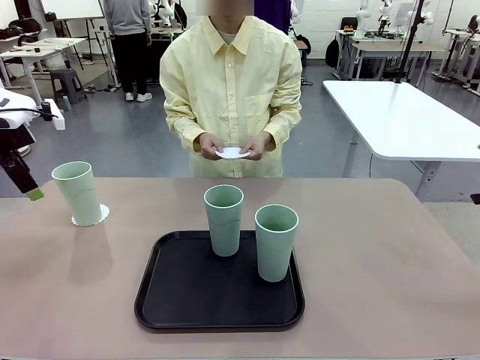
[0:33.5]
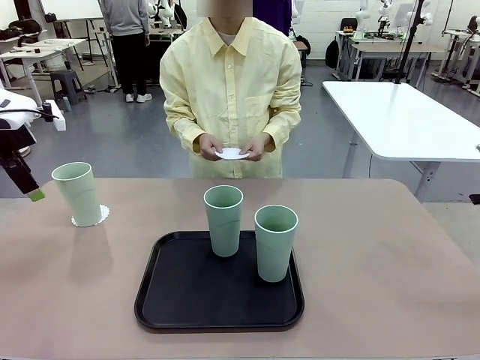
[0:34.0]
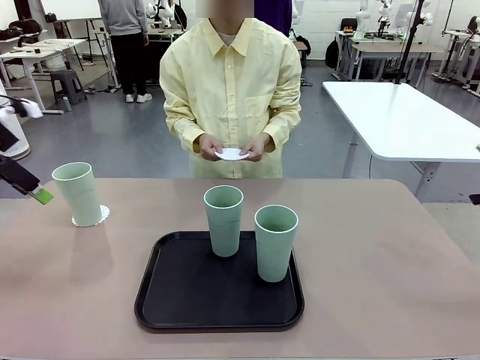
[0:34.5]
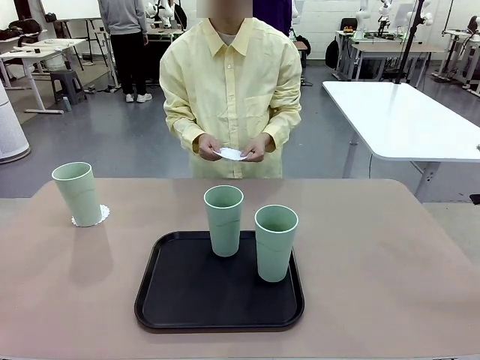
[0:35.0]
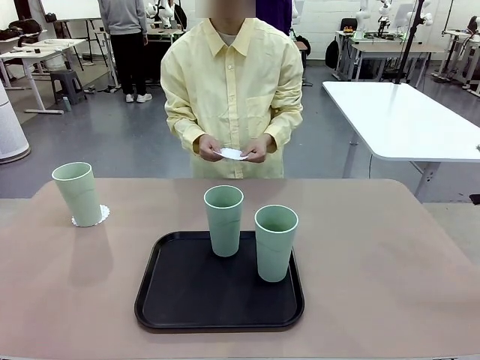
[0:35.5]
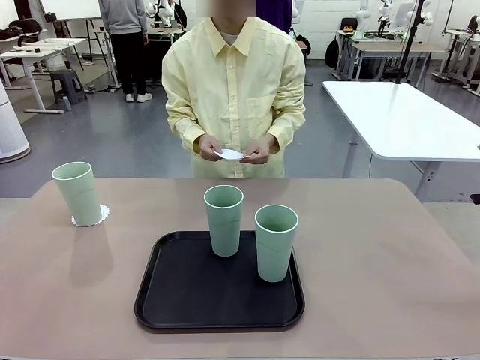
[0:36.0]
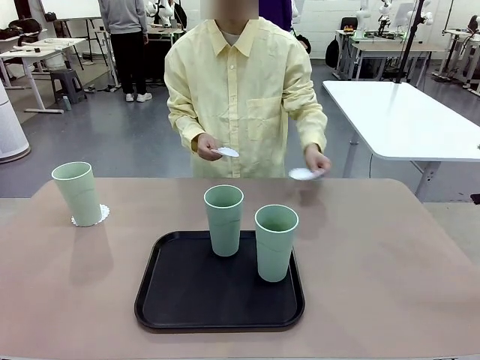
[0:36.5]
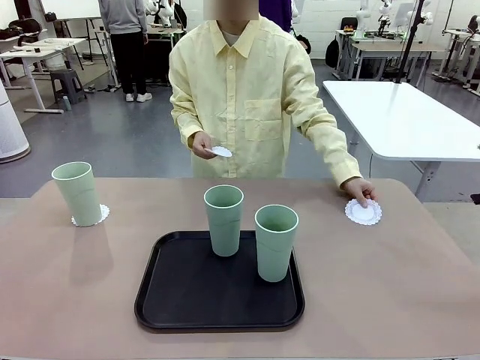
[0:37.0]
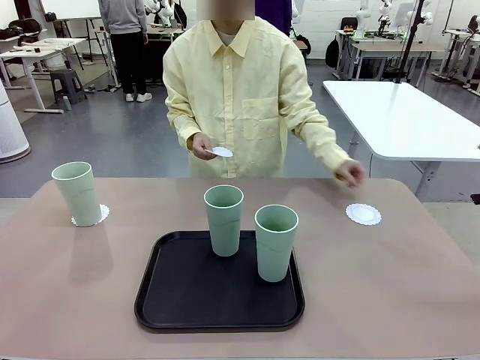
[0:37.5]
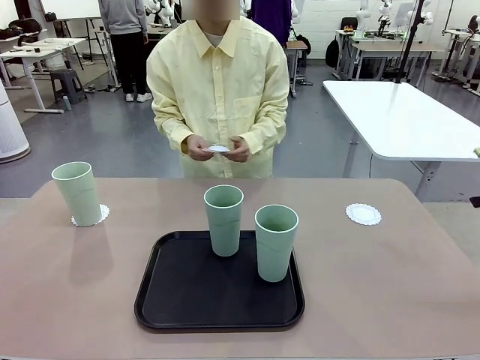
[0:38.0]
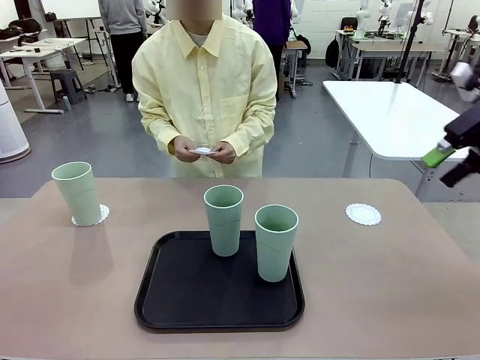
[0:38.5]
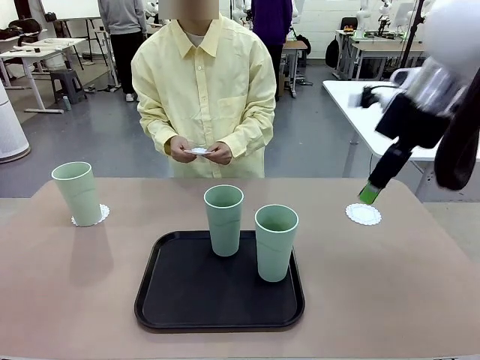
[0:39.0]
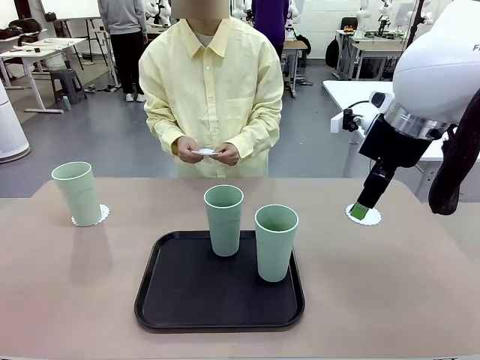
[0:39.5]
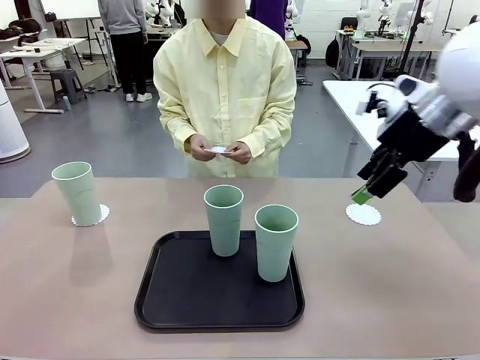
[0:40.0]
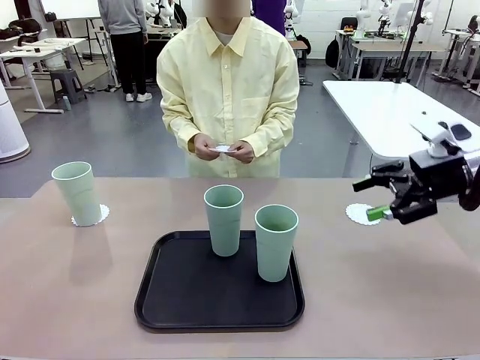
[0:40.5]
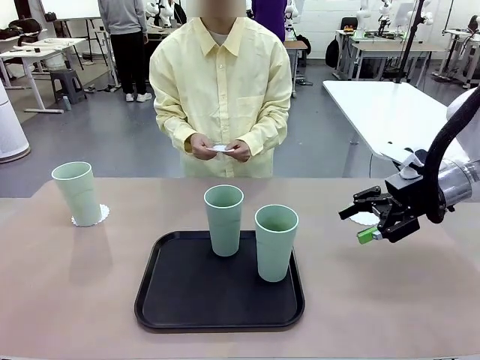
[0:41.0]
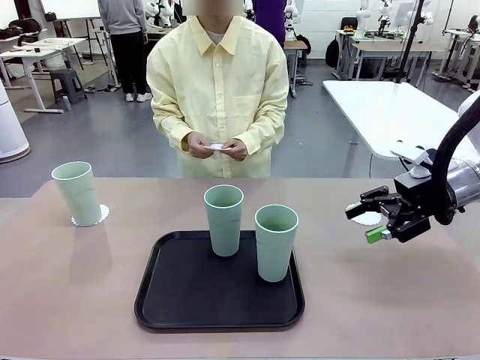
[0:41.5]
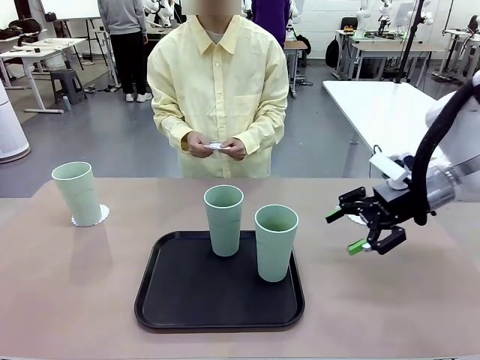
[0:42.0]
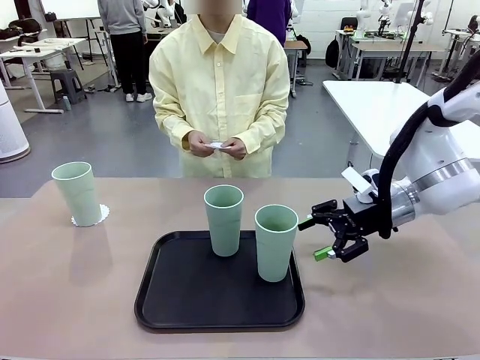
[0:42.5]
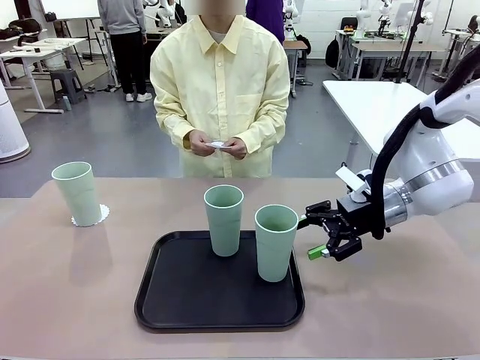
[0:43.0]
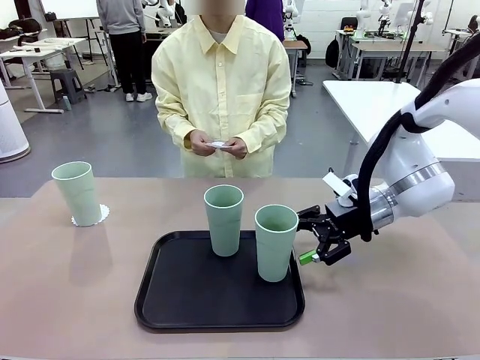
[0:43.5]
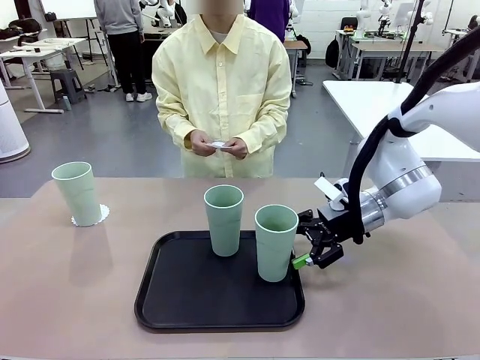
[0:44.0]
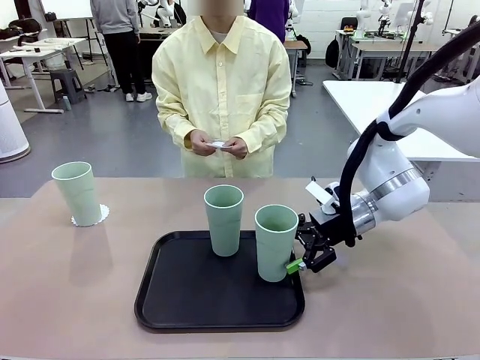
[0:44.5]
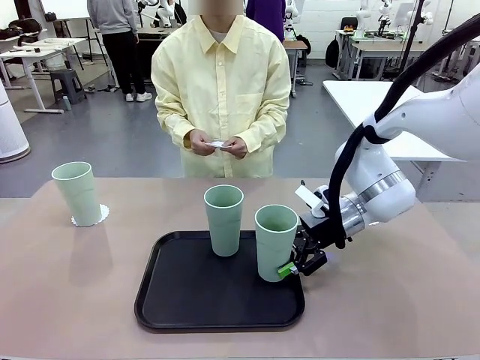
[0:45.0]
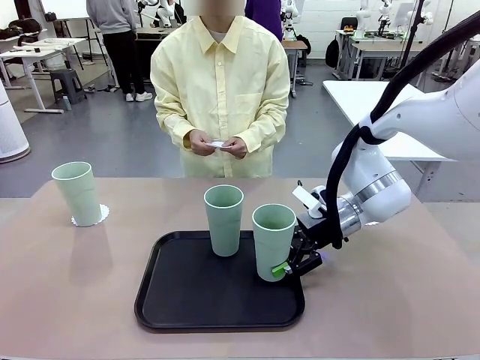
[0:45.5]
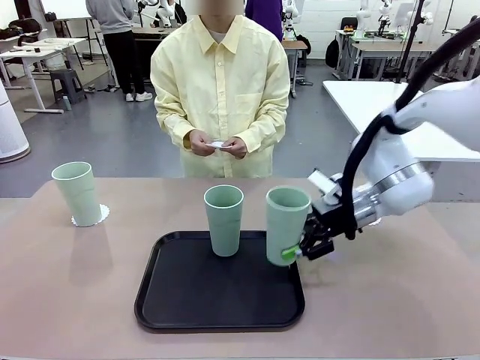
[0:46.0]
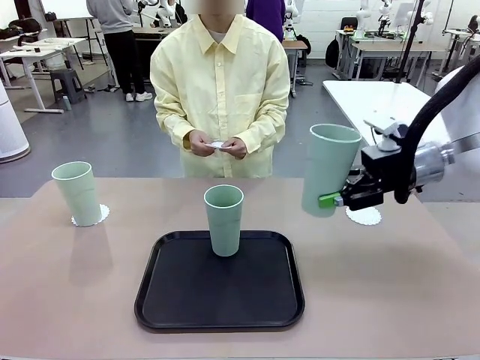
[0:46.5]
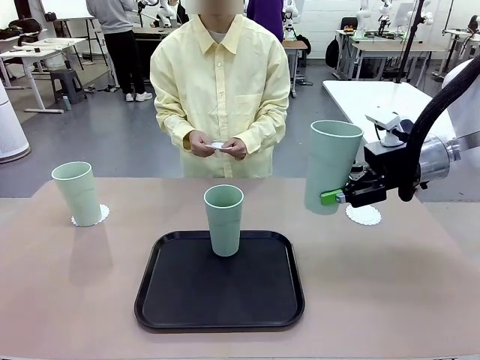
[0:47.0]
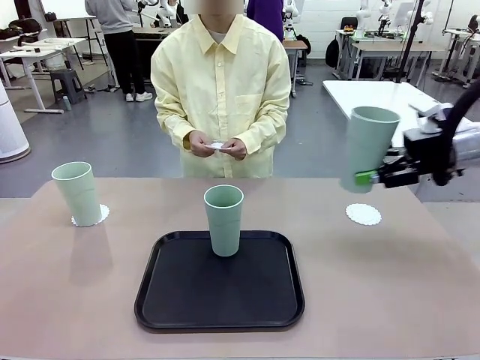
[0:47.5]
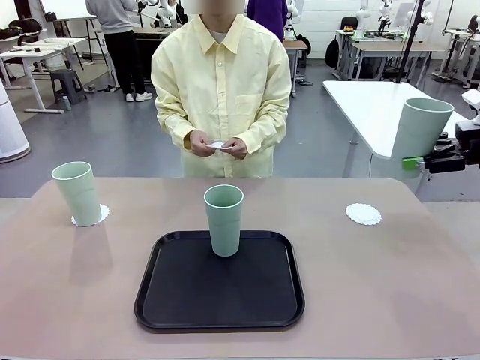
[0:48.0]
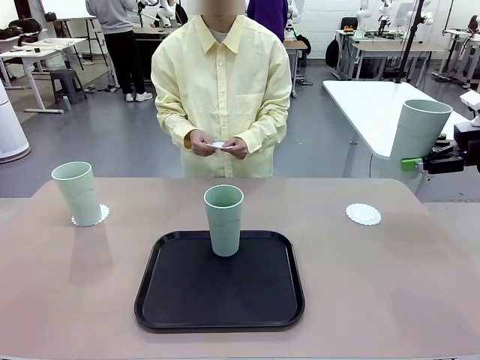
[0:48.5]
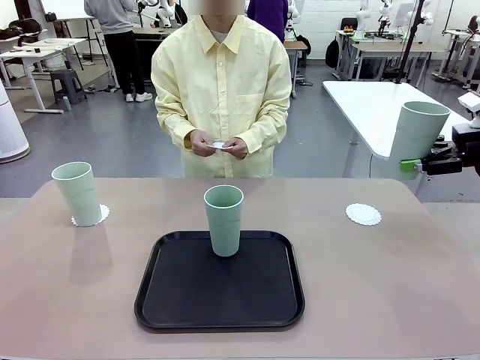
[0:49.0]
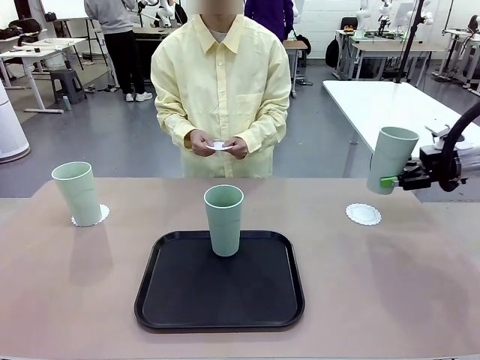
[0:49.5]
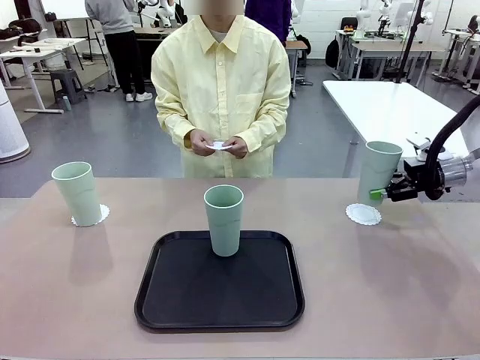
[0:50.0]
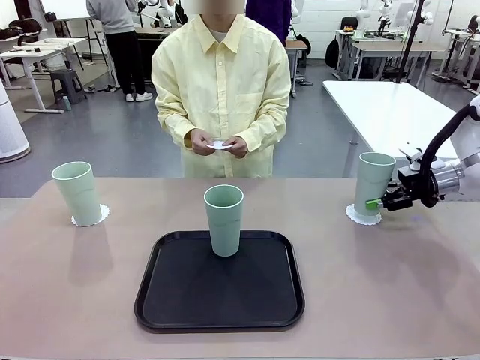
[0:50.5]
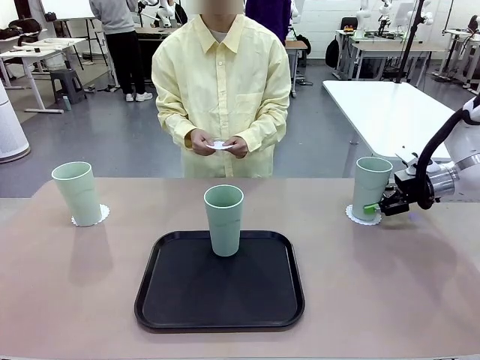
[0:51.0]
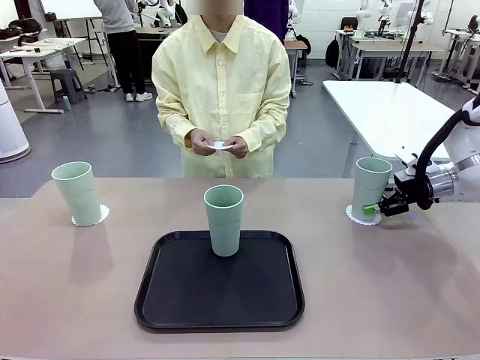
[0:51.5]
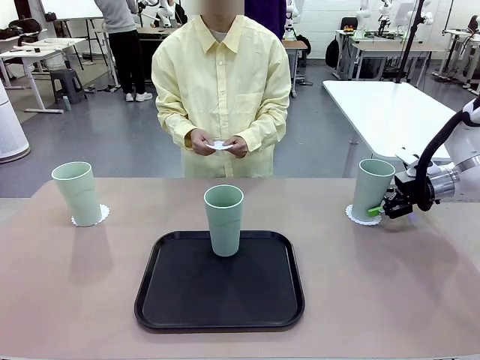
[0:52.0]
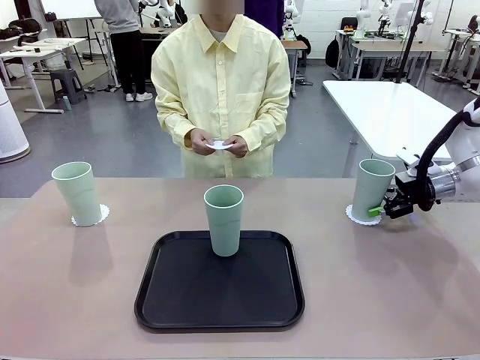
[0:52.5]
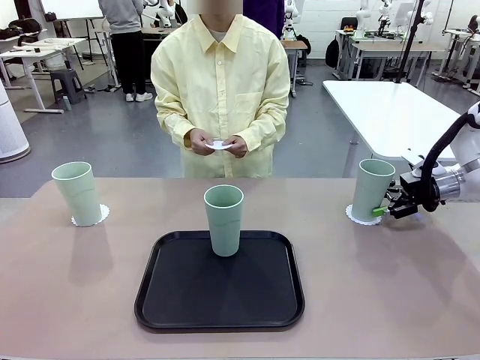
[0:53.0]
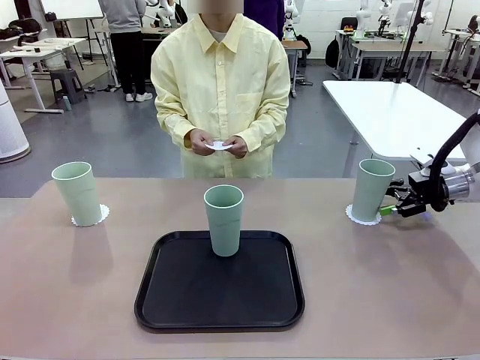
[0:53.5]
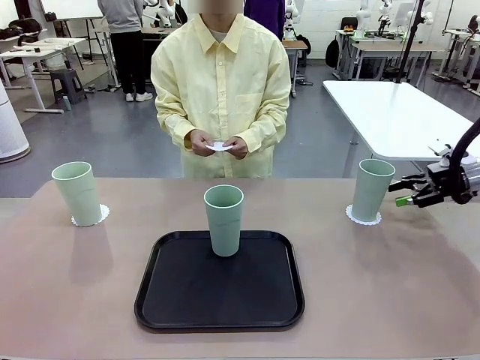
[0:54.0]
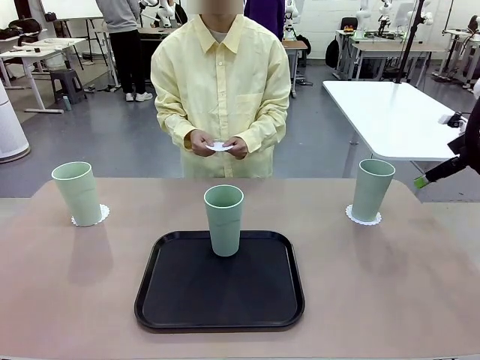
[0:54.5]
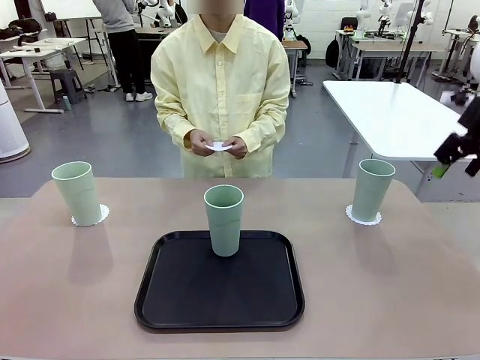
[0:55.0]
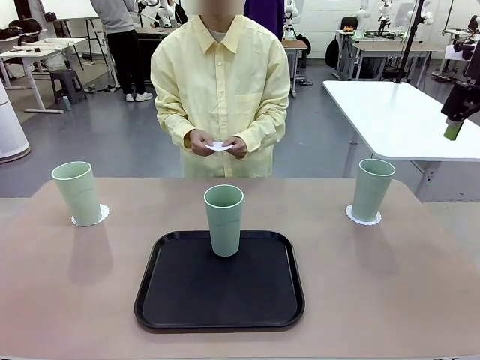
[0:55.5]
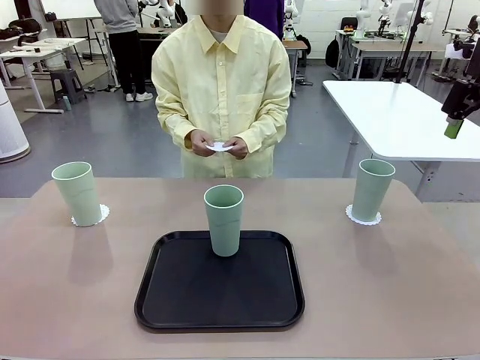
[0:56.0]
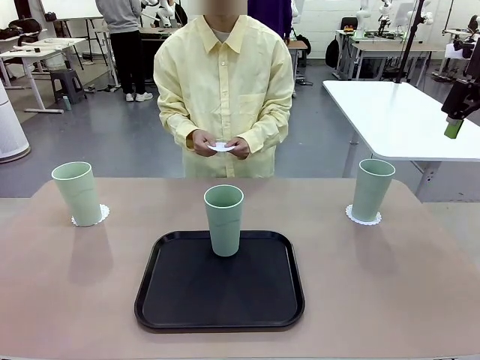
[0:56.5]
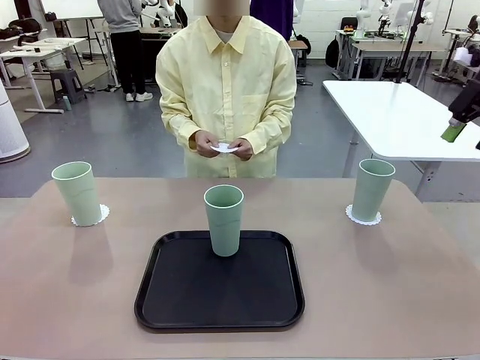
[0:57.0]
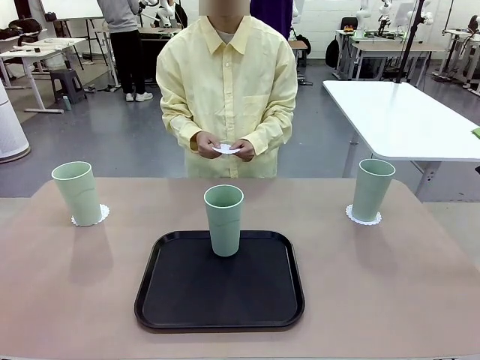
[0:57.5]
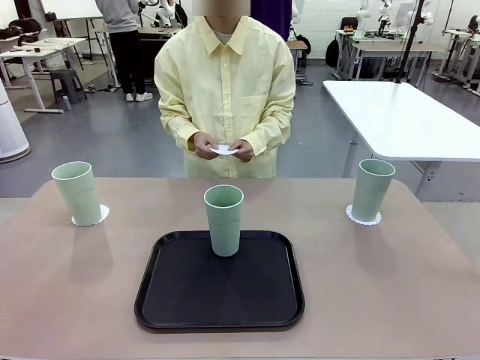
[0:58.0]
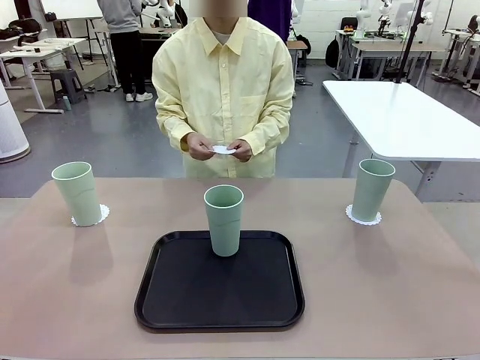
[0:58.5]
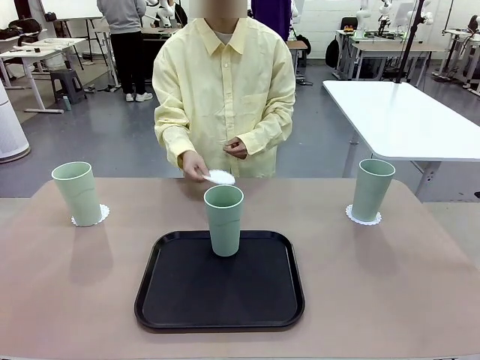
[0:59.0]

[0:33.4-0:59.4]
Task: Place coasters on the table and set cups on them.
Robot: Take one Reusable plastic cup from the Flat Tray and place it on a coaster set by the human.

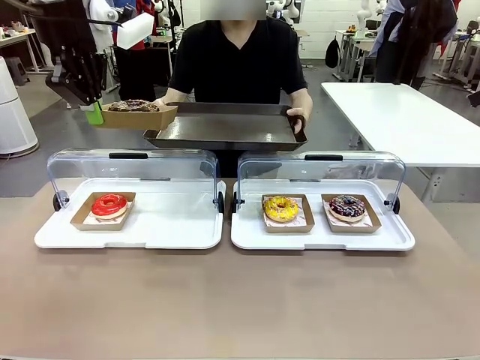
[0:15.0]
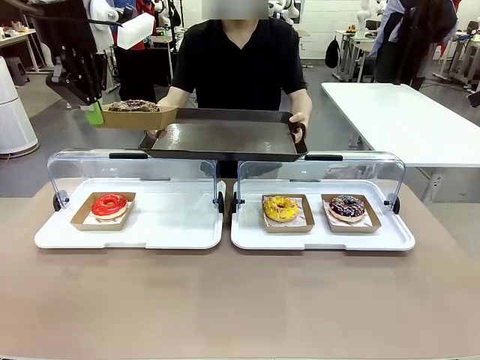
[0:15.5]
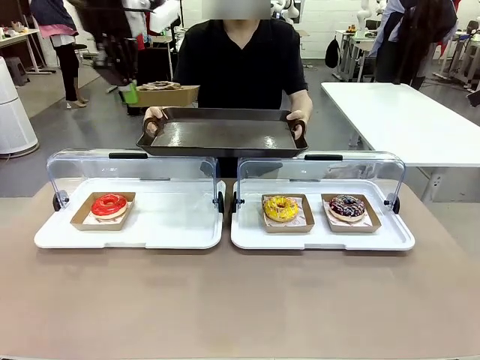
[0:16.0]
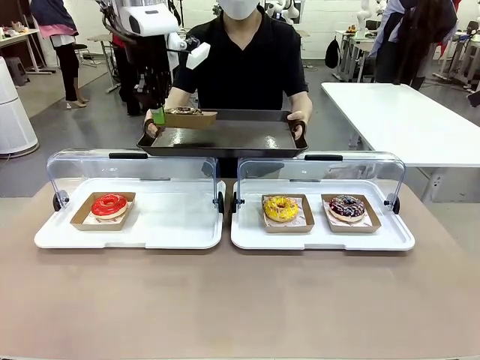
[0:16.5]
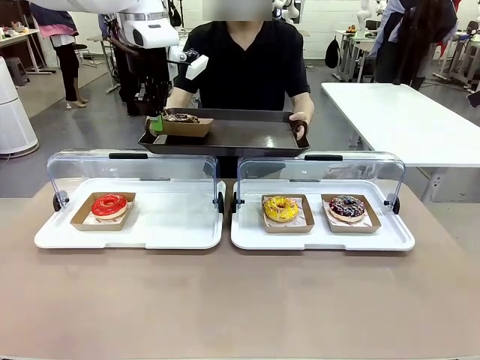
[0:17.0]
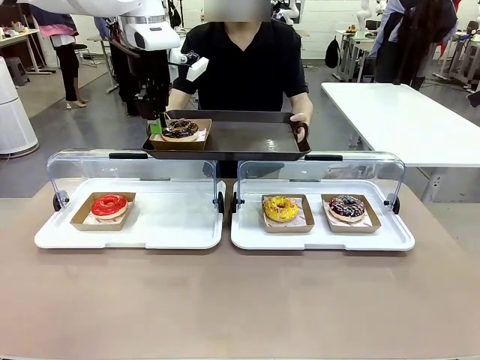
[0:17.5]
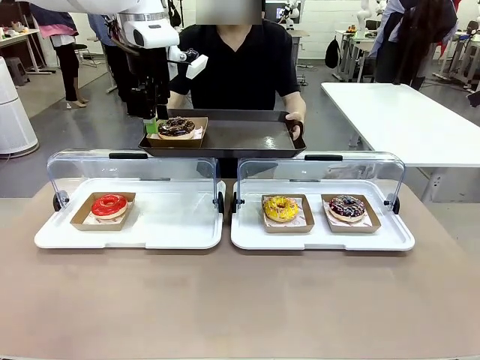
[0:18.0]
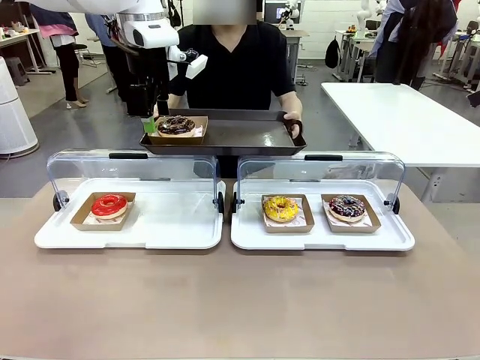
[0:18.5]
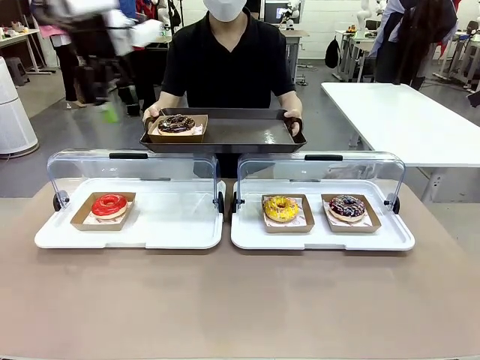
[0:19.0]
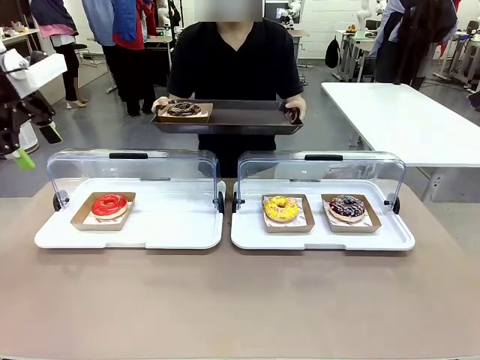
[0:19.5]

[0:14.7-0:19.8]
Task: Provide the desired donut to the person.
Robot: Place the picked Paper togo box onto the Handle tray extended by the person.
